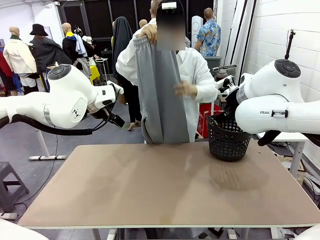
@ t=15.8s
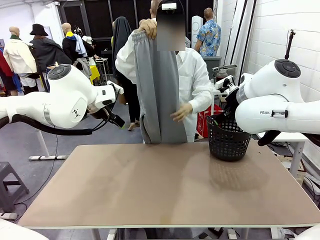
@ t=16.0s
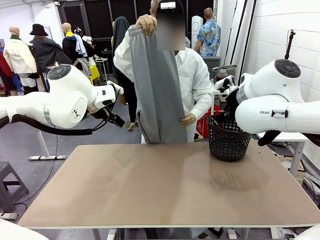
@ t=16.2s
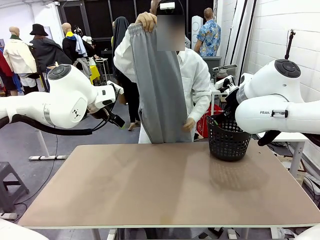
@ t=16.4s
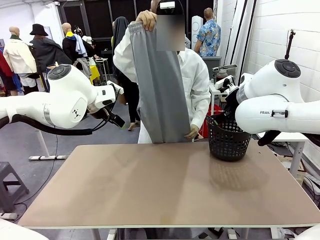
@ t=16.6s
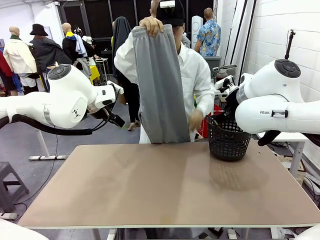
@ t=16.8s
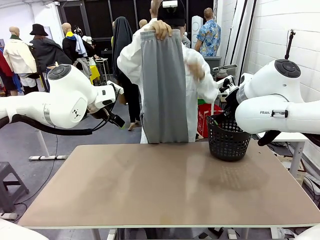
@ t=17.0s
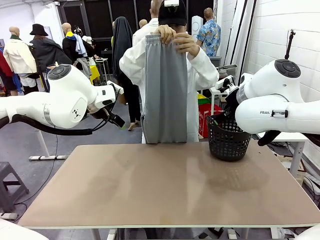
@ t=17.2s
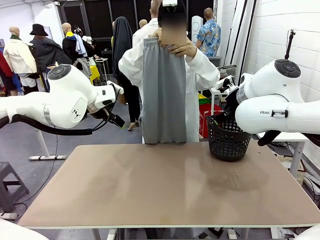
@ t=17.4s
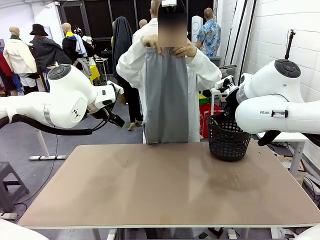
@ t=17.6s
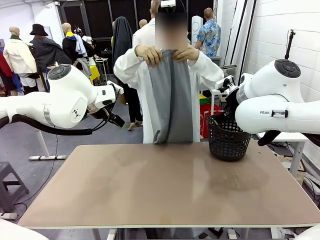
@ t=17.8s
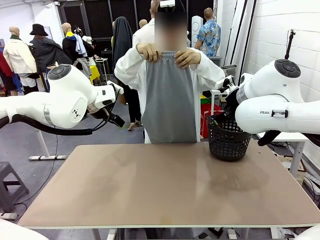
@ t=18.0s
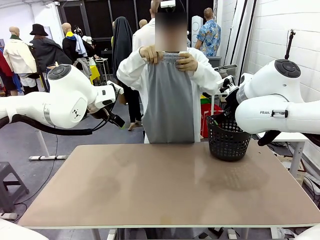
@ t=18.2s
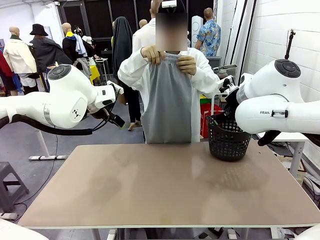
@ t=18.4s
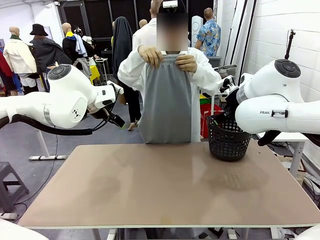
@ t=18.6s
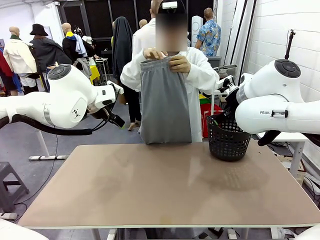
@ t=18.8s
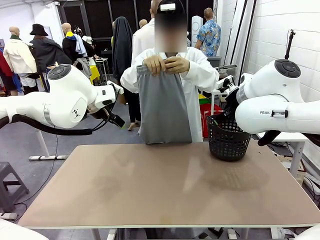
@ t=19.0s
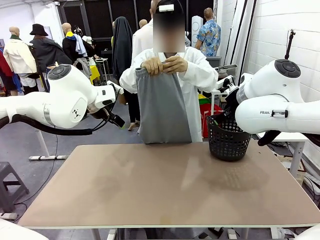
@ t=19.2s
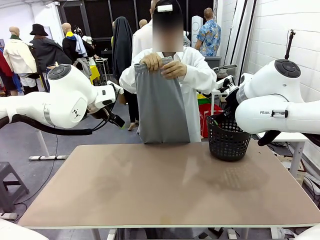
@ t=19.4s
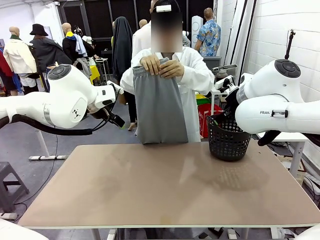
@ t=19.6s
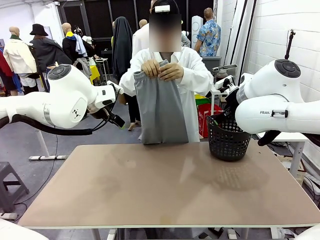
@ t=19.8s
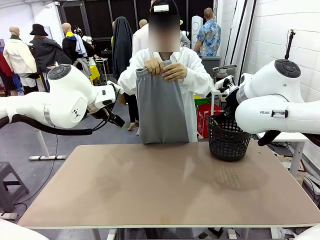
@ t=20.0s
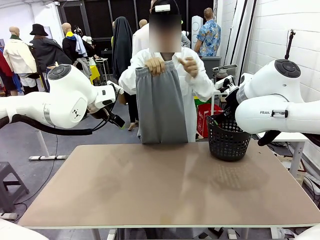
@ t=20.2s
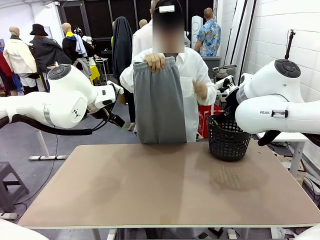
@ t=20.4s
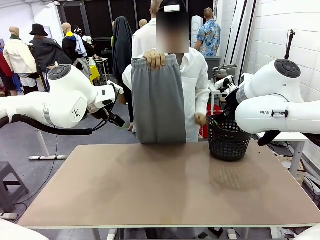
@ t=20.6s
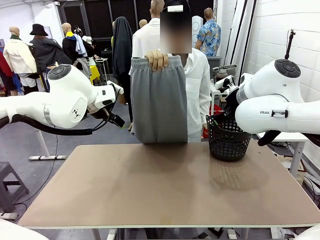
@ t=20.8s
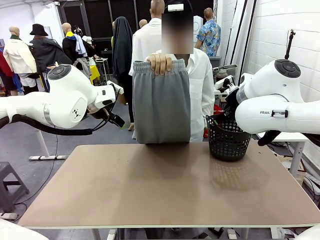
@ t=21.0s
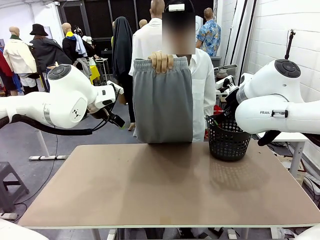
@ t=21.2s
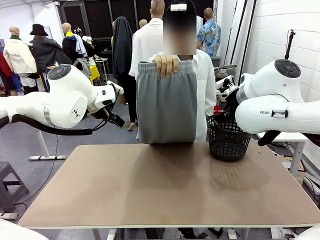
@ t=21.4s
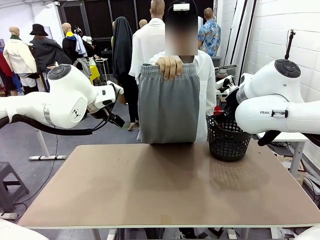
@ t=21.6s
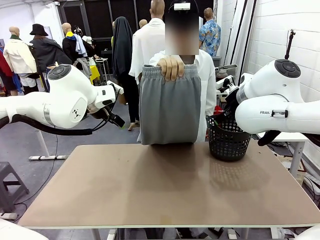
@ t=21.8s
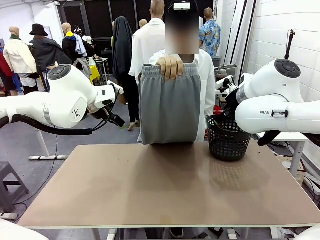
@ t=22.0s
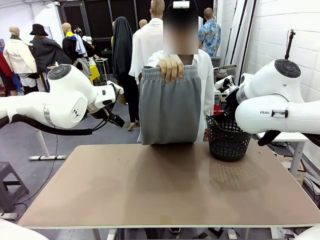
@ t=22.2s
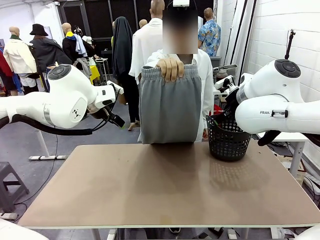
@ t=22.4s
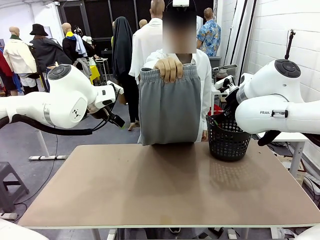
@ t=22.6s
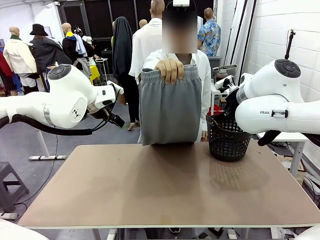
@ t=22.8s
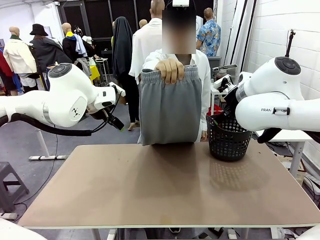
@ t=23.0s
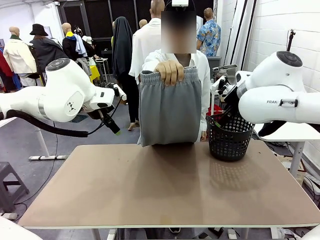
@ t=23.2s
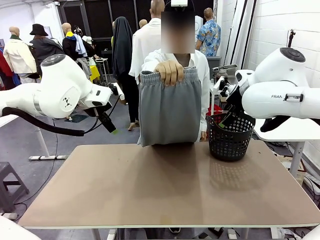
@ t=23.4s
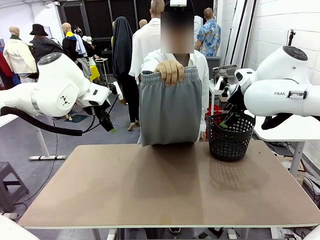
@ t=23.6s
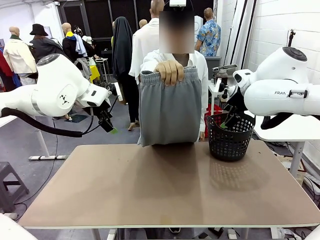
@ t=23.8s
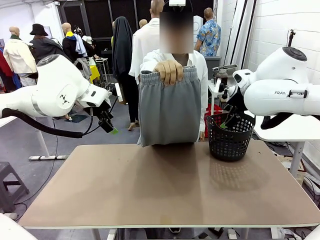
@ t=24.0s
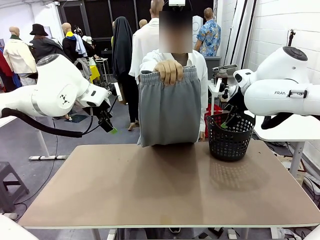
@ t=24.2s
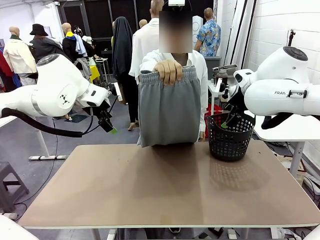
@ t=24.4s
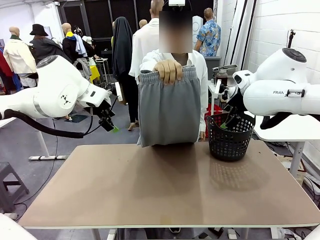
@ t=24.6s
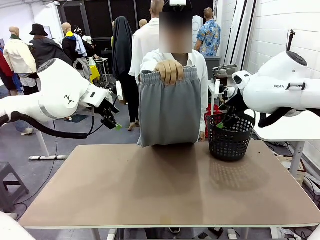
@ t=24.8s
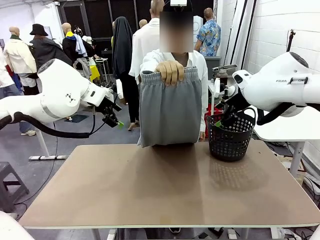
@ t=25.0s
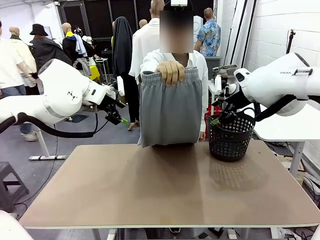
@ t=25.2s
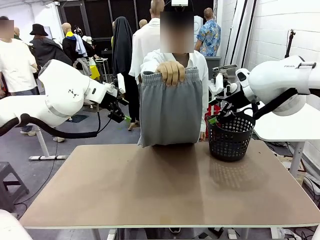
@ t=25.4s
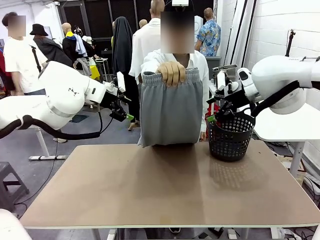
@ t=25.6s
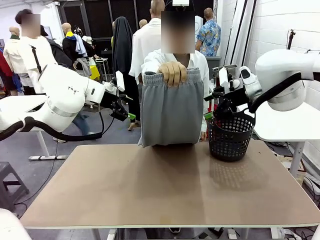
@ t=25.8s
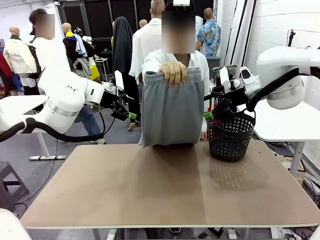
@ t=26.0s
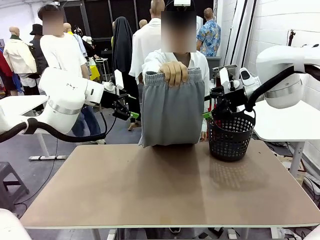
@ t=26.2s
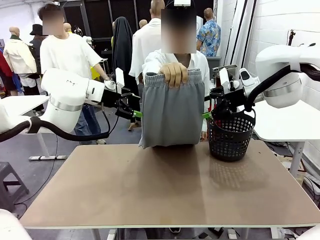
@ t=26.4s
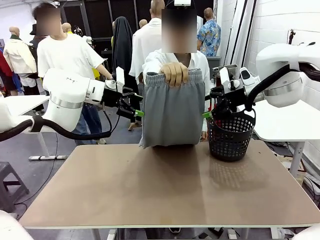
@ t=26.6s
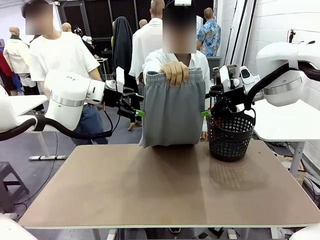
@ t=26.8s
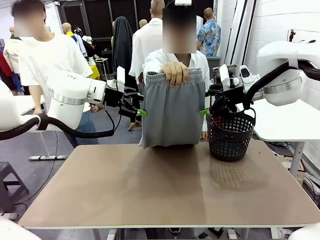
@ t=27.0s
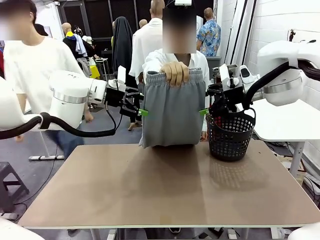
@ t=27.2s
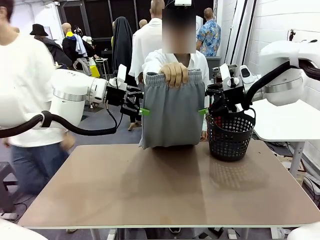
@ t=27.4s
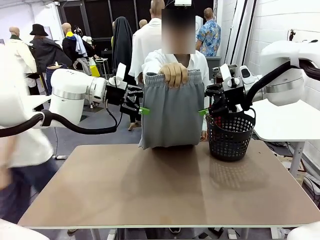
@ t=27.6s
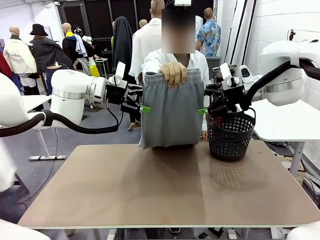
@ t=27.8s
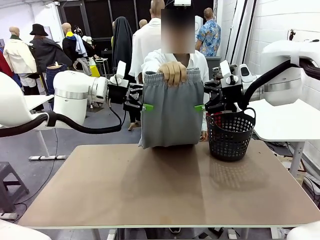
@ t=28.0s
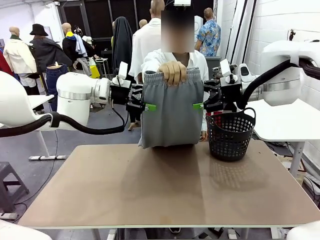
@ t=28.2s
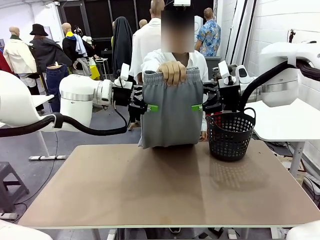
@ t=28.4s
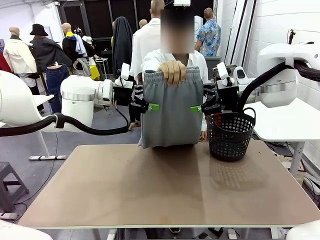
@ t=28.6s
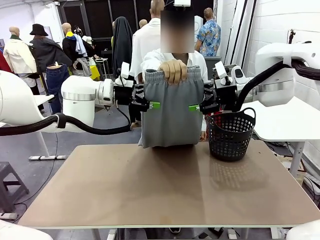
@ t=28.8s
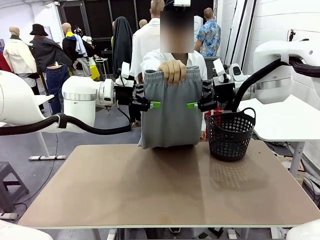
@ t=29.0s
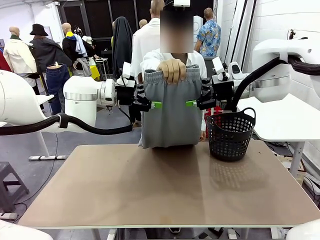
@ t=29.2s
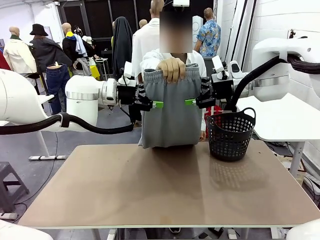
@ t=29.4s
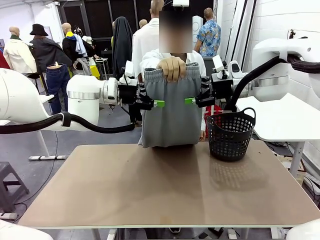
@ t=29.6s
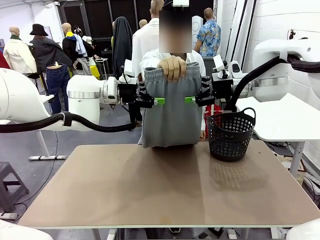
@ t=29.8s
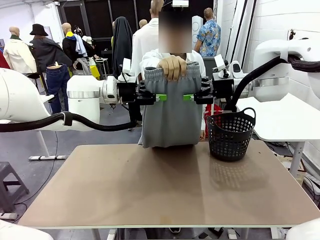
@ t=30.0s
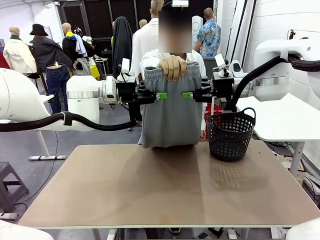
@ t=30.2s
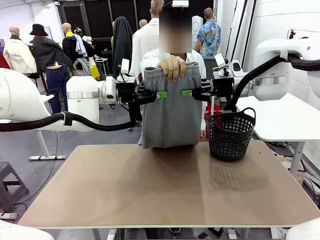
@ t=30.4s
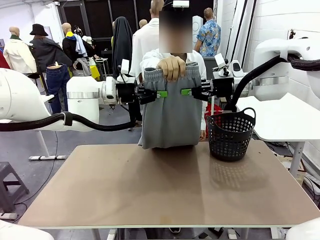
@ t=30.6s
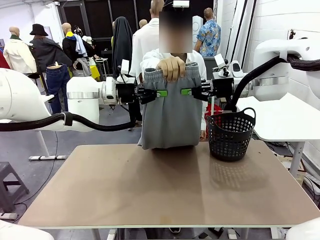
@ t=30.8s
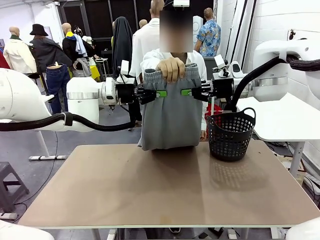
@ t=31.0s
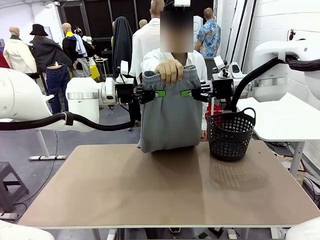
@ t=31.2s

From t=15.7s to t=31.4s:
Task: Fold the training pants.
Robot: Grab both ends of the Training pants handed by a person.

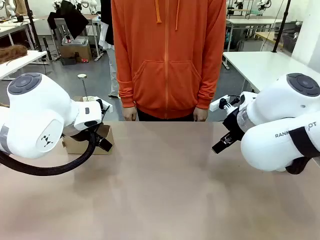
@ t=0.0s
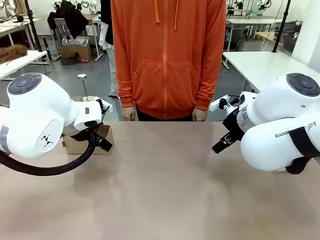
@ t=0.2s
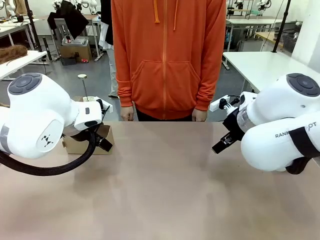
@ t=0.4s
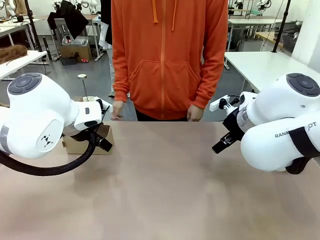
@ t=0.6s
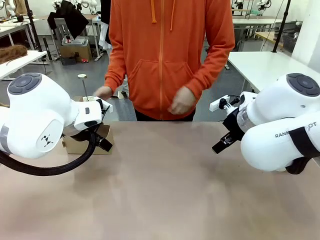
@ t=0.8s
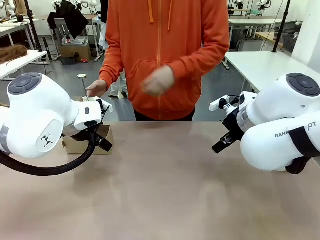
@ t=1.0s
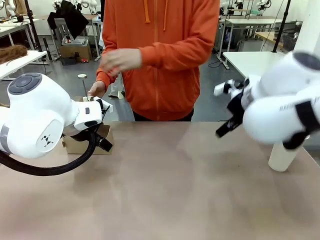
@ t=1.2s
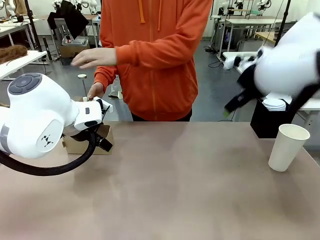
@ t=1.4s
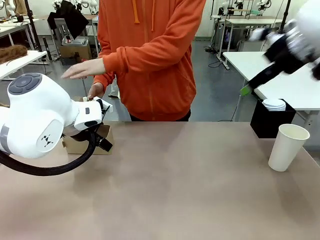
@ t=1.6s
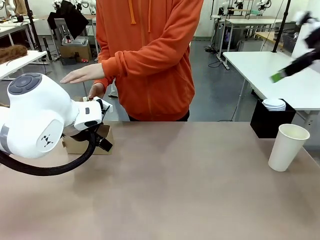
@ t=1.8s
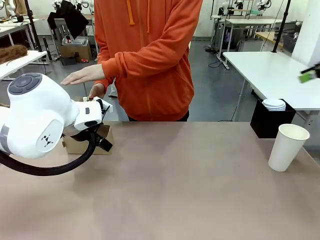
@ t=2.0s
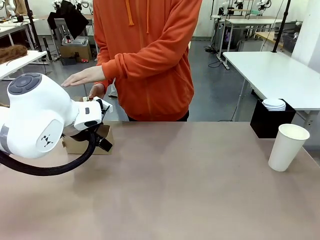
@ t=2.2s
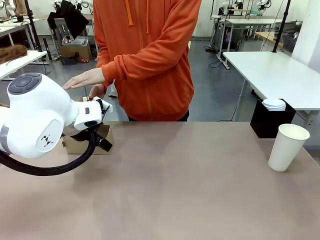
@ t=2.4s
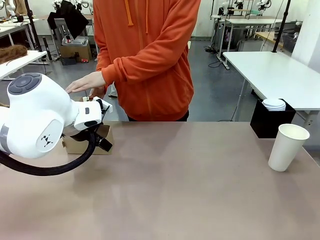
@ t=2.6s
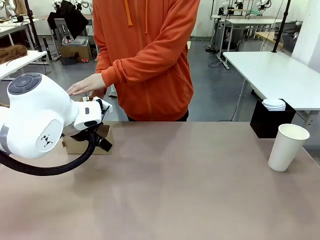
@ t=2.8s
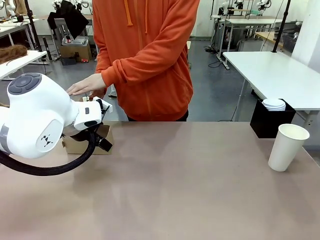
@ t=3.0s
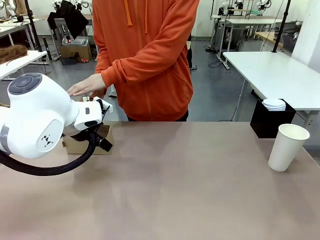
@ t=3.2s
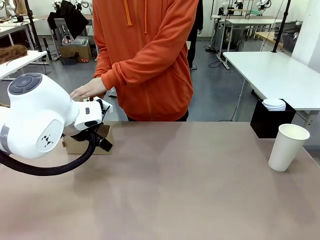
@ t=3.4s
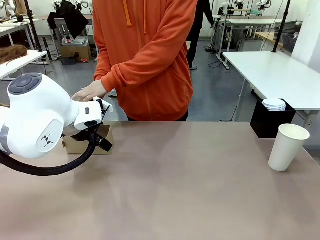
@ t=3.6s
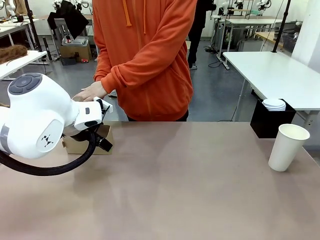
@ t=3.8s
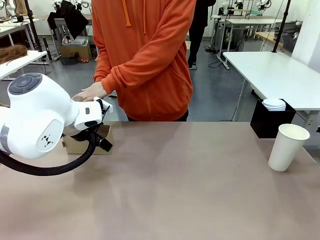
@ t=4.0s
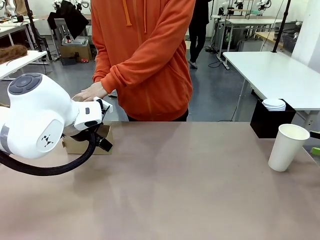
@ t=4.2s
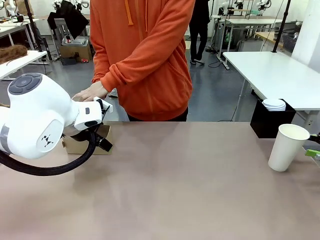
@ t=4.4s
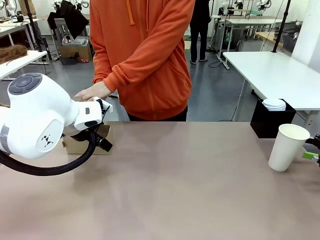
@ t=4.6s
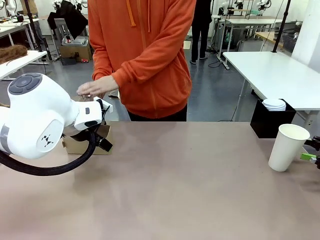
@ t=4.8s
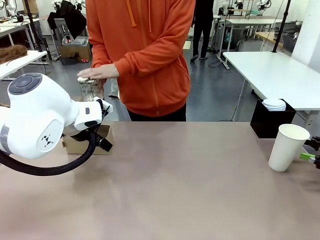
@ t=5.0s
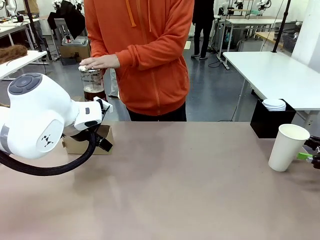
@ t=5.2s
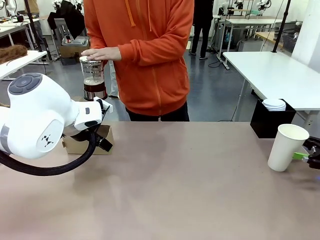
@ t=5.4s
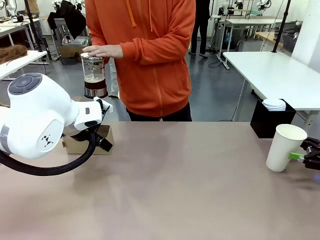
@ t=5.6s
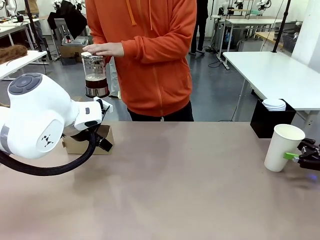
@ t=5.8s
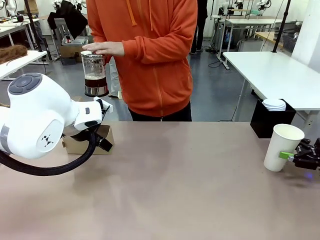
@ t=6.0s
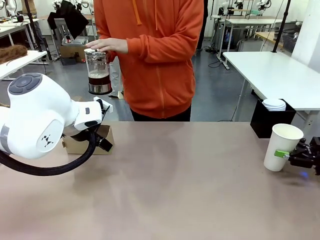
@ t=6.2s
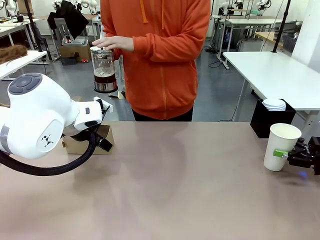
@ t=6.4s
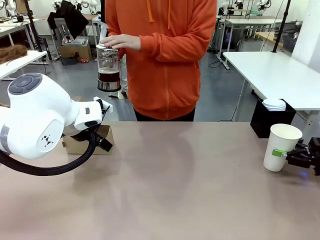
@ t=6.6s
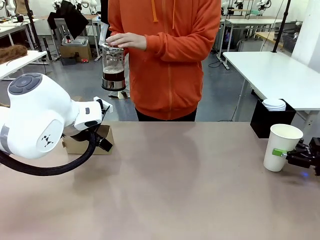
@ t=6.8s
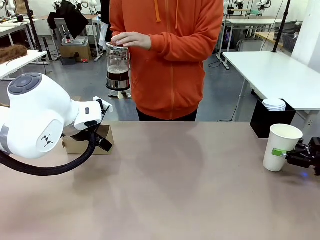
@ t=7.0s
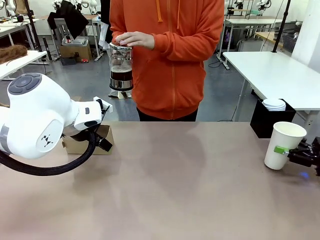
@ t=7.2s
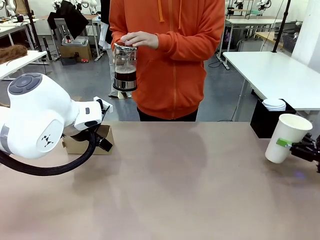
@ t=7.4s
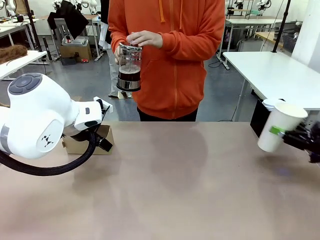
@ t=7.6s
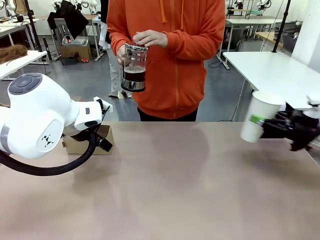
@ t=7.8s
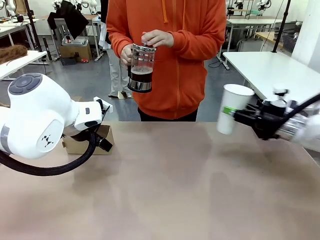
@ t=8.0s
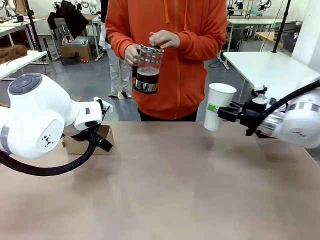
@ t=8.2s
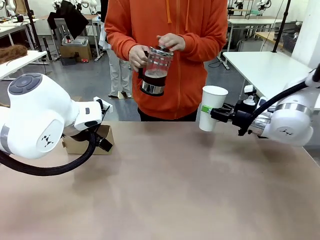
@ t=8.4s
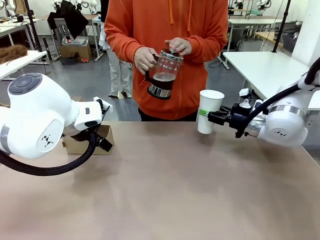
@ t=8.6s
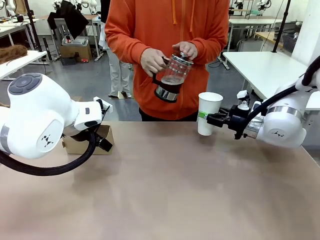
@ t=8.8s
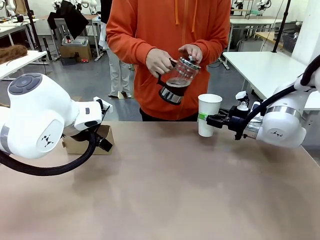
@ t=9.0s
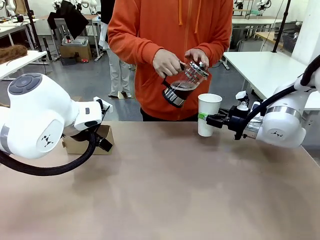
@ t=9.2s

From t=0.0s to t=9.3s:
Task: Pour a drink into a cup and package it in a carrier.
Robot: Pick up the 600 ml Paper Cup and place it in the middle top area of the table.
Person: Press and pick up the Filter Brewing.
